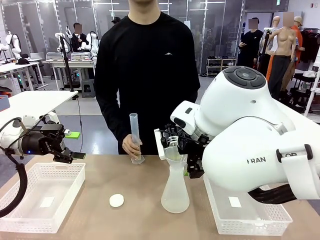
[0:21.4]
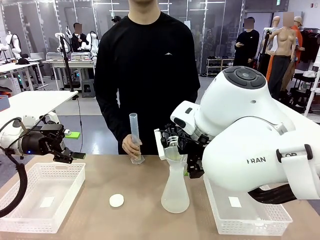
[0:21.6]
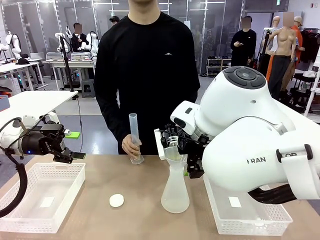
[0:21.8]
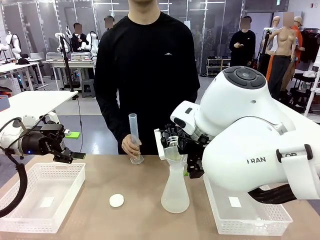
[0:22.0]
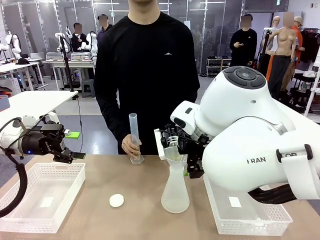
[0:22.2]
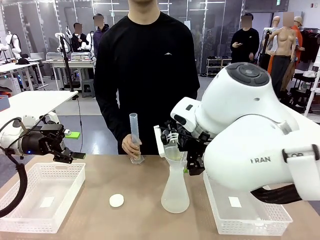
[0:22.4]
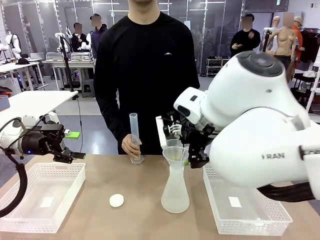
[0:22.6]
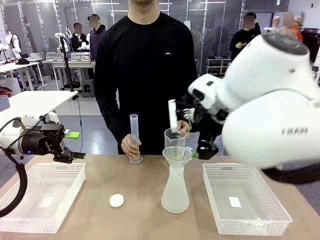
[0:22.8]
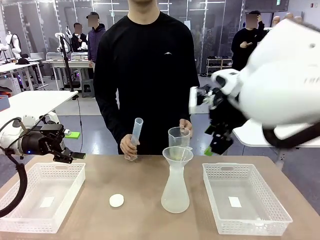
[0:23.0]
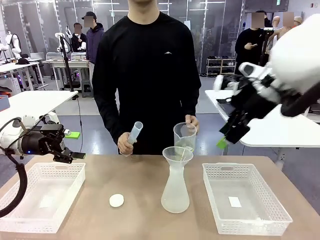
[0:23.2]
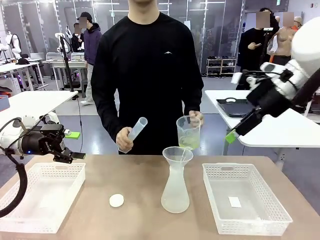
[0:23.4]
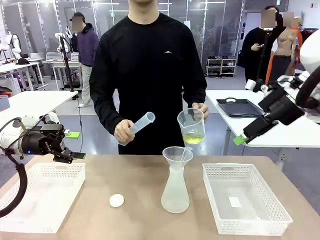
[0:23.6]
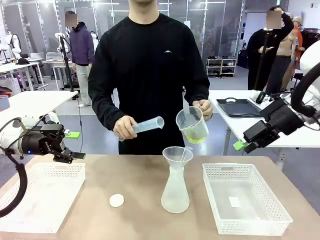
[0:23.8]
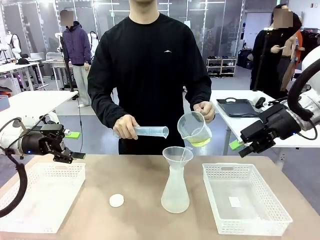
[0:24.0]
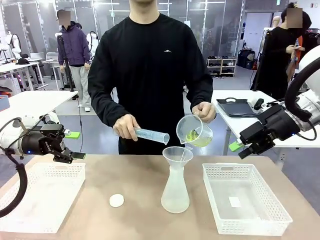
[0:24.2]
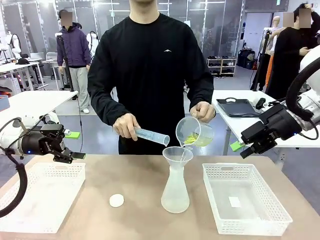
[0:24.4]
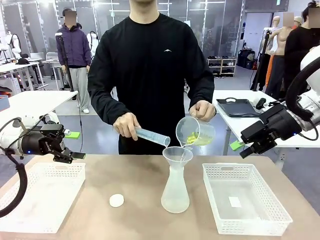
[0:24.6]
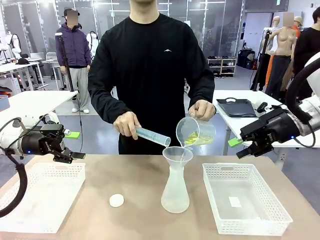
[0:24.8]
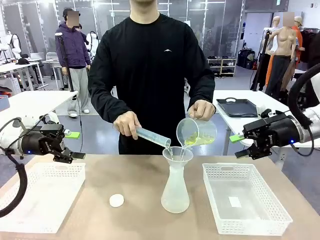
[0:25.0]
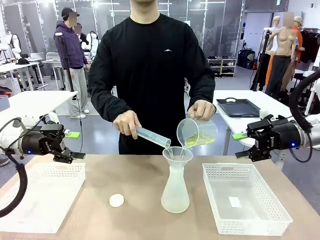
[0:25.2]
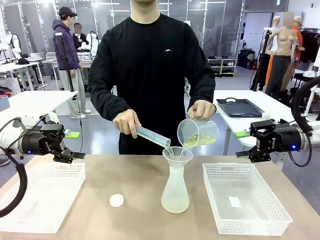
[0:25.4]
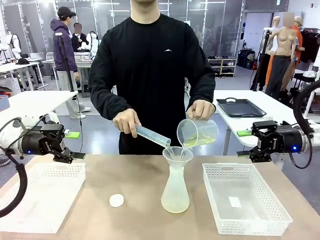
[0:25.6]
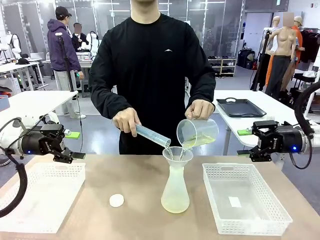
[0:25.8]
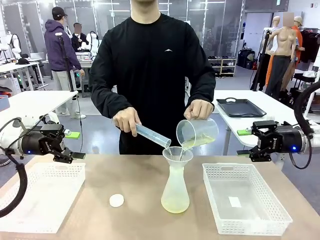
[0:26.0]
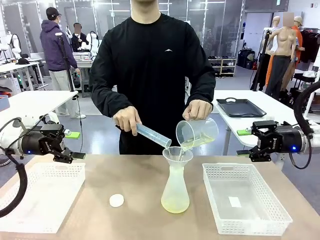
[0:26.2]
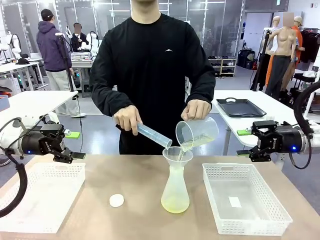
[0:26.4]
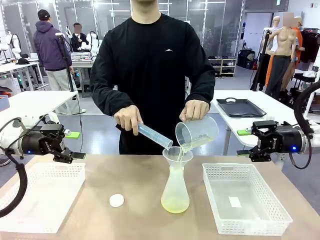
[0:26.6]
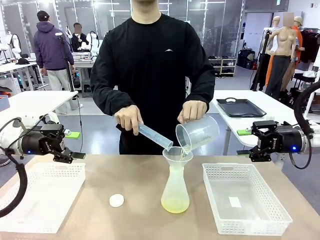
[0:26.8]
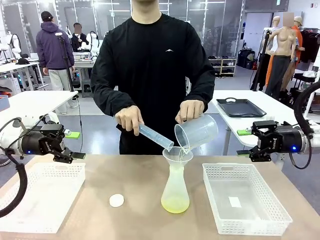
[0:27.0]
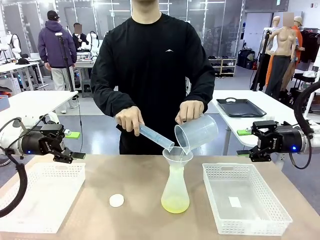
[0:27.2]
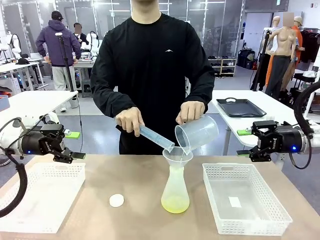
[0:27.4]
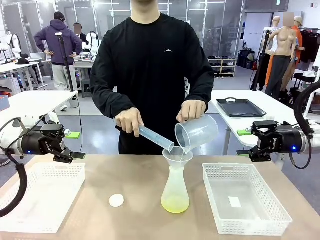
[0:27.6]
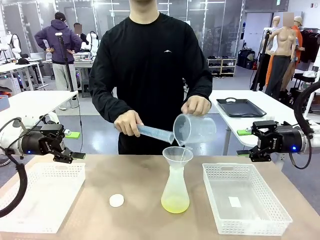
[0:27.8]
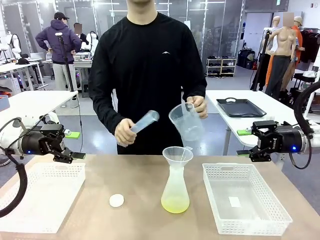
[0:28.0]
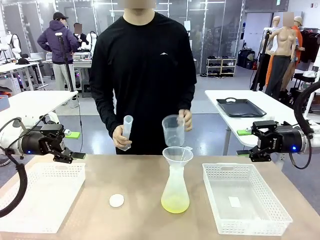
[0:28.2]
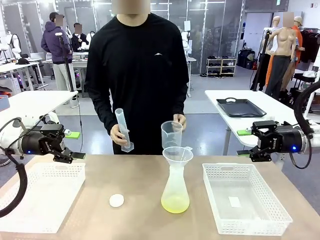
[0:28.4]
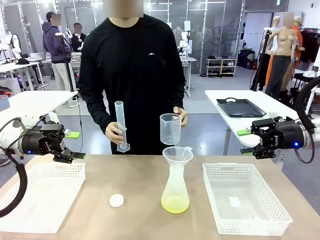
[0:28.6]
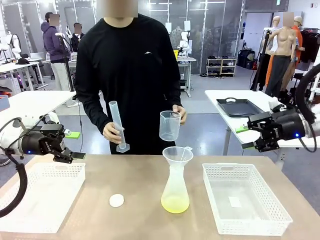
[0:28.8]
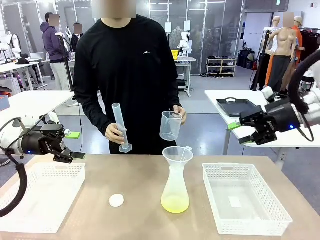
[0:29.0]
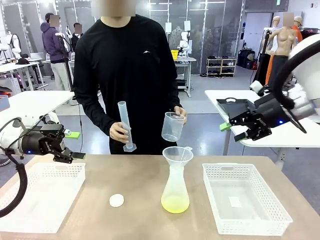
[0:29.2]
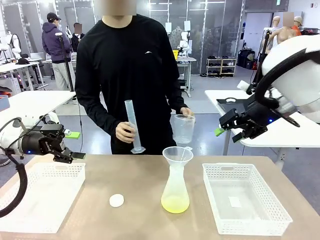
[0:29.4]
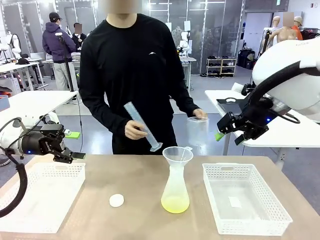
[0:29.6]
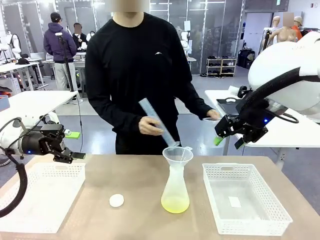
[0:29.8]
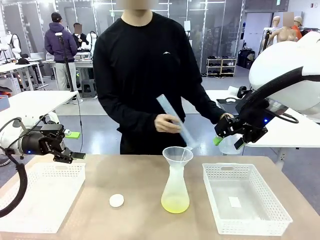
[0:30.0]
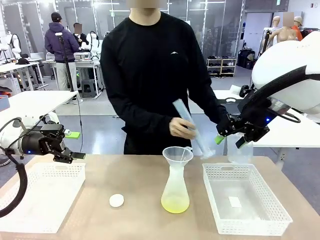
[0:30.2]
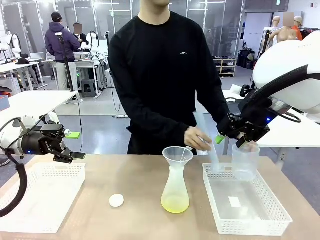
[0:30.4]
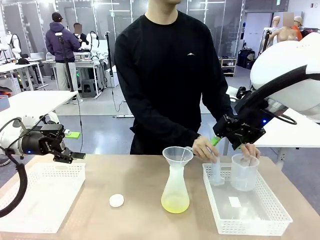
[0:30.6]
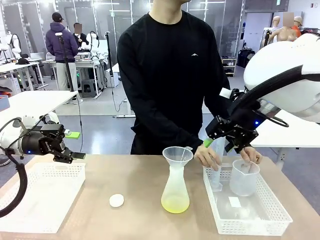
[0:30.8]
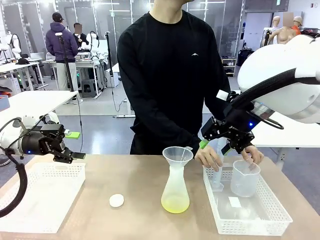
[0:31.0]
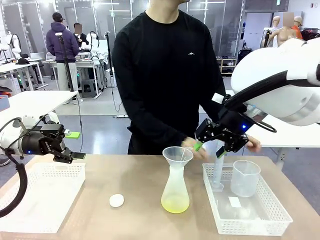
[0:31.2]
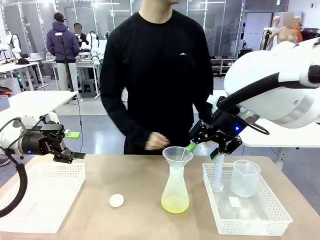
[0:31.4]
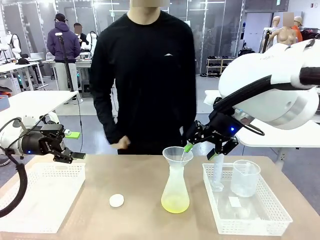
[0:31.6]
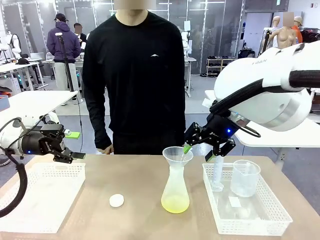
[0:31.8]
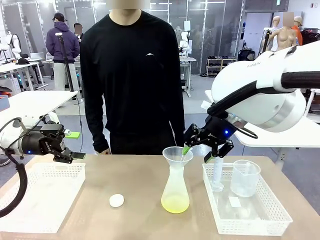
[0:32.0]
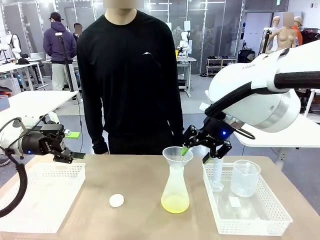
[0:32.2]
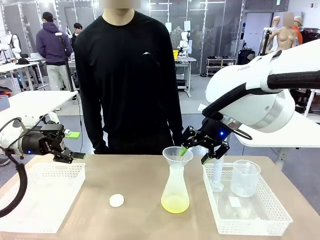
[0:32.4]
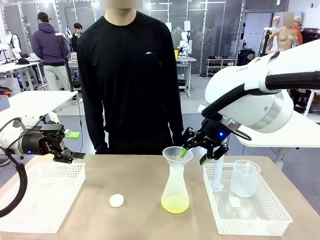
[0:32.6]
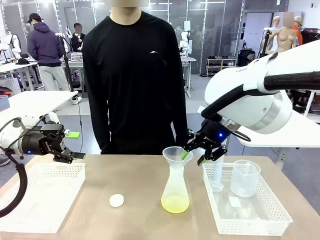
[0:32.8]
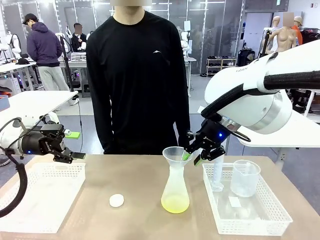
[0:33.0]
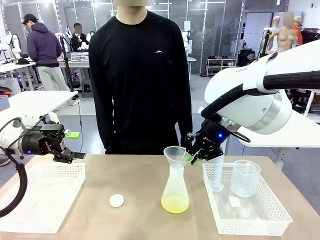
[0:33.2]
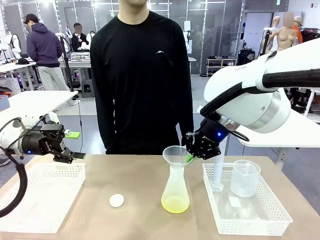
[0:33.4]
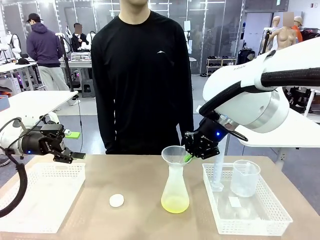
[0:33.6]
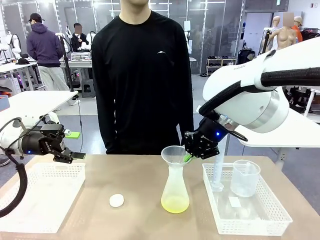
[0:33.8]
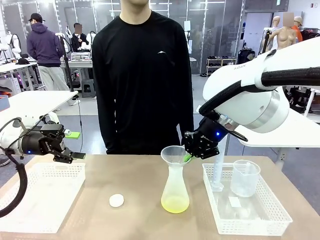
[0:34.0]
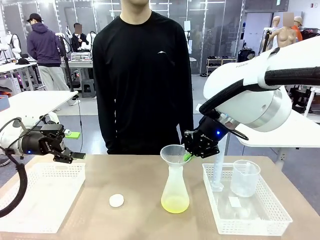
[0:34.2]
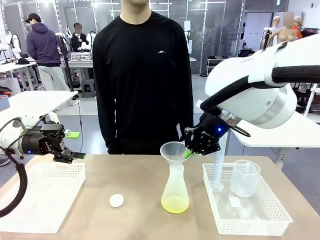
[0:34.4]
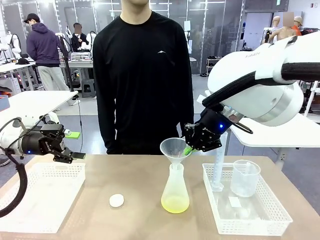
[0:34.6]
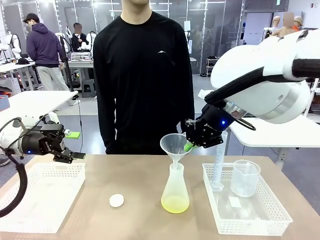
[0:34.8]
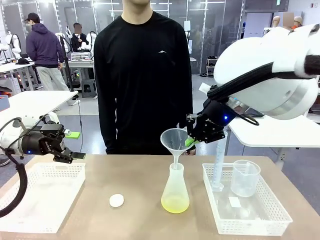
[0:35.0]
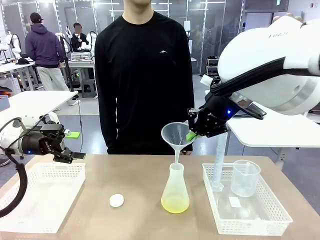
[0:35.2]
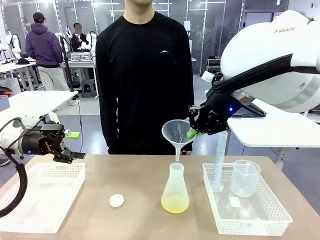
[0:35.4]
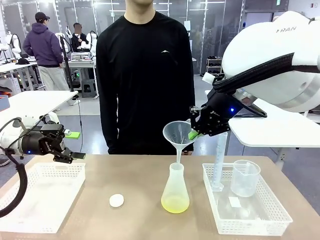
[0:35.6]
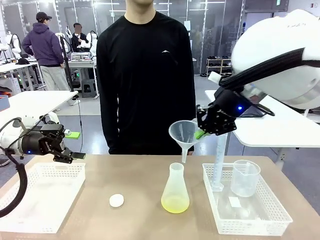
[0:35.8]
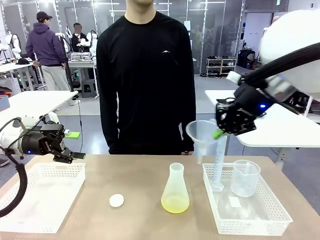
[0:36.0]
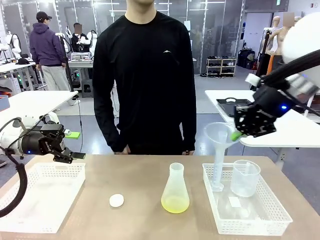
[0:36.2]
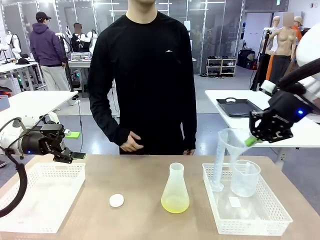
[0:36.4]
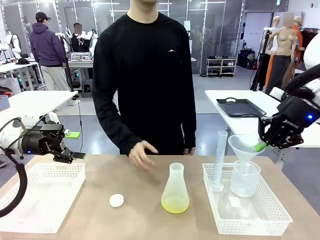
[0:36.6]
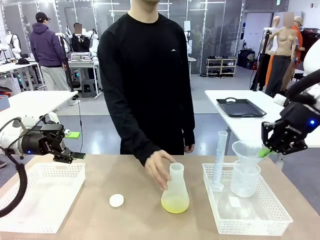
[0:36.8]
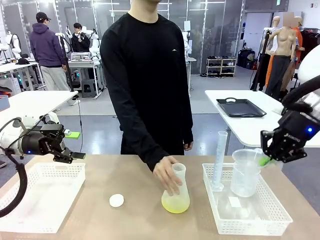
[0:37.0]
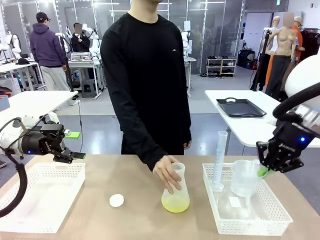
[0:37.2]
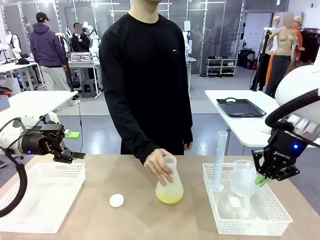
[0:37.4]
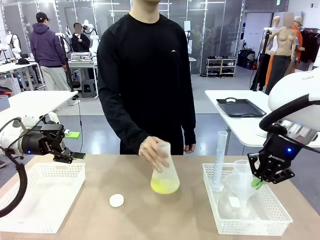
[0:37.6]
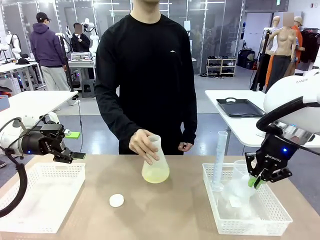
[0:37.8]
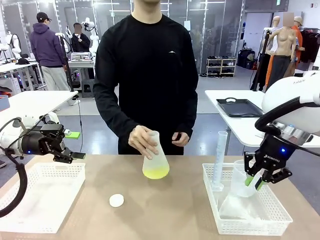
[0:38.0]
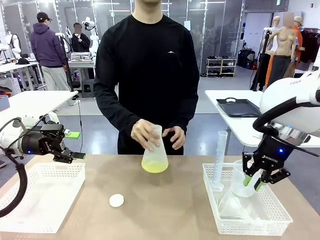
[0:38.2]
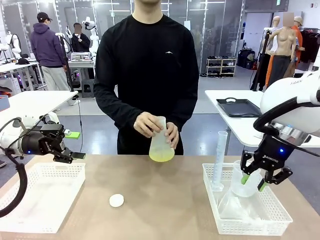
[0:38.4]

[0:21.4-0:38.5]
Task: Prepare the solutions needed for the experiment.
Robot: Once the solution is in the Big flask , pick up the Plastic Funnel and place it back into the right Organizing basket.
Person: Place the beaker and the cylinder into the organizing basket on the left side. Pick up the flask, gently shake it 2–3 times, place it in the middle of the robot table, and close the lid.

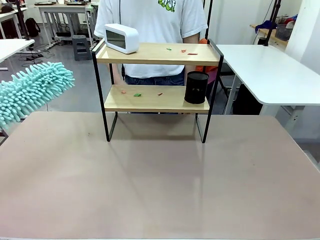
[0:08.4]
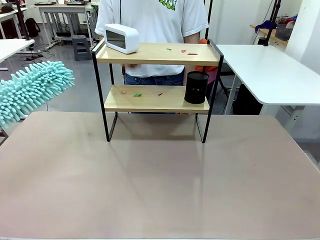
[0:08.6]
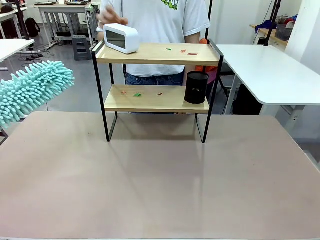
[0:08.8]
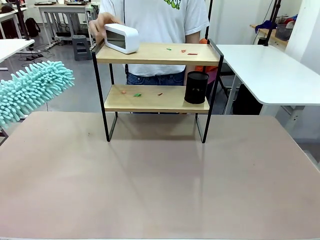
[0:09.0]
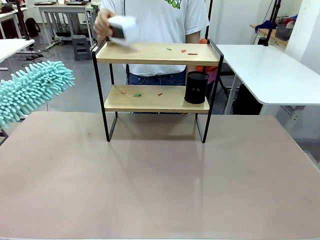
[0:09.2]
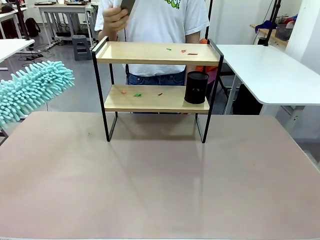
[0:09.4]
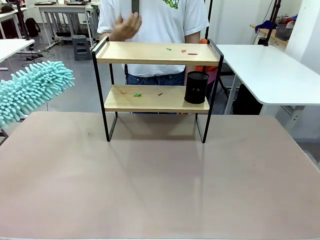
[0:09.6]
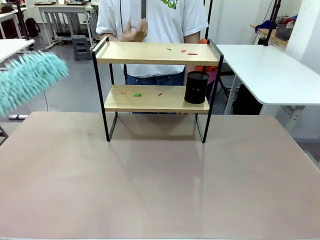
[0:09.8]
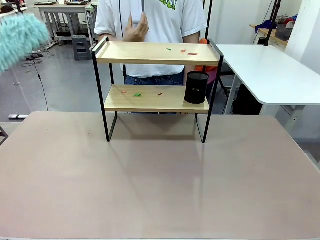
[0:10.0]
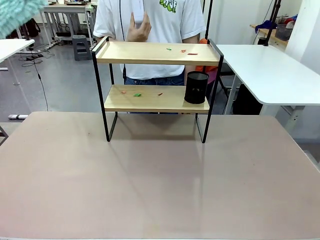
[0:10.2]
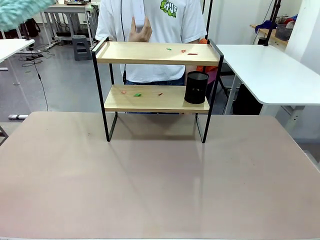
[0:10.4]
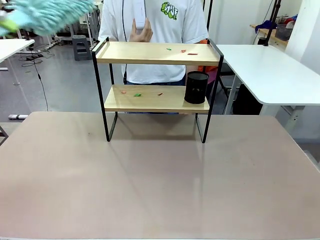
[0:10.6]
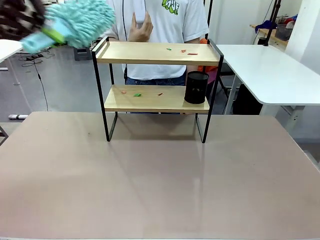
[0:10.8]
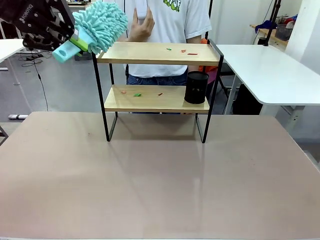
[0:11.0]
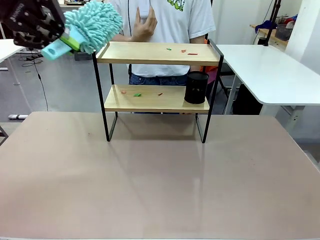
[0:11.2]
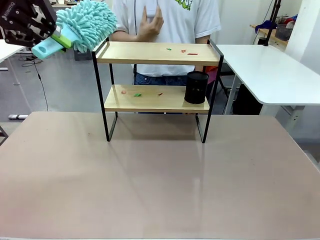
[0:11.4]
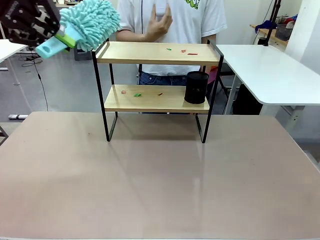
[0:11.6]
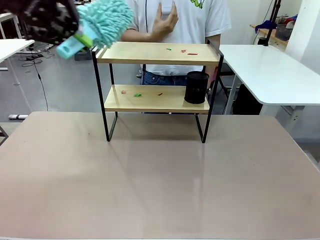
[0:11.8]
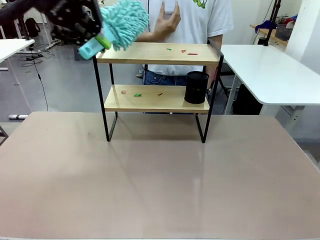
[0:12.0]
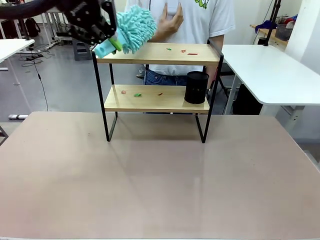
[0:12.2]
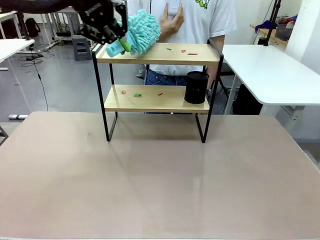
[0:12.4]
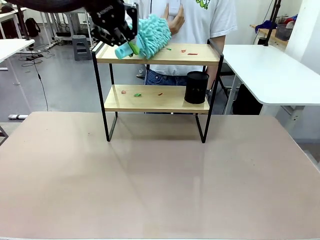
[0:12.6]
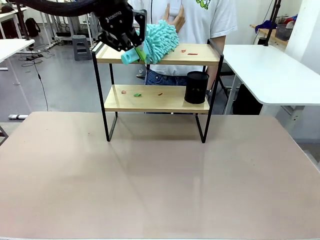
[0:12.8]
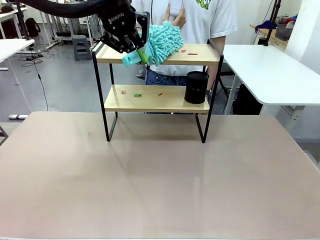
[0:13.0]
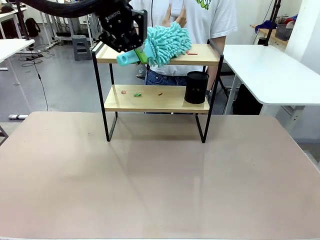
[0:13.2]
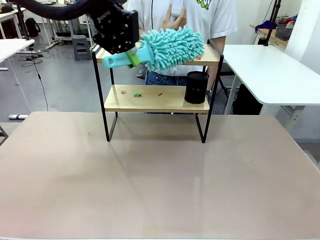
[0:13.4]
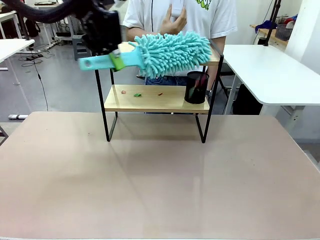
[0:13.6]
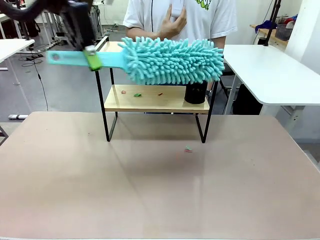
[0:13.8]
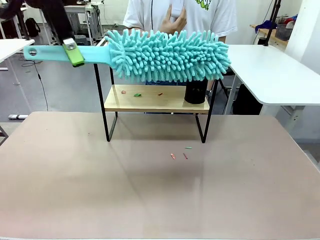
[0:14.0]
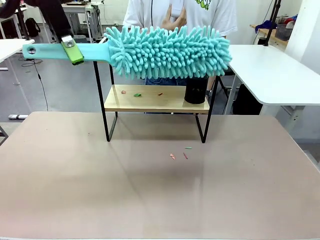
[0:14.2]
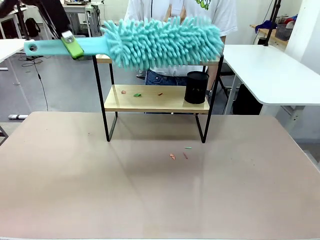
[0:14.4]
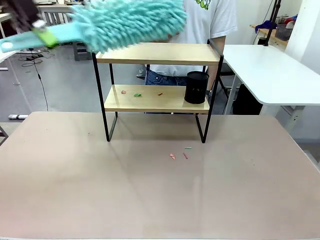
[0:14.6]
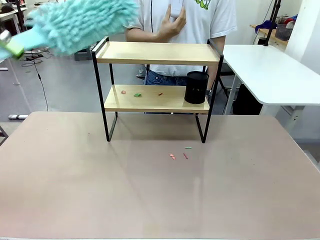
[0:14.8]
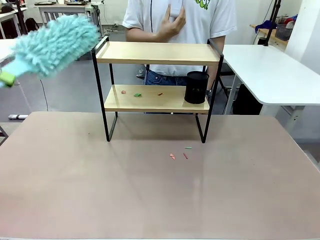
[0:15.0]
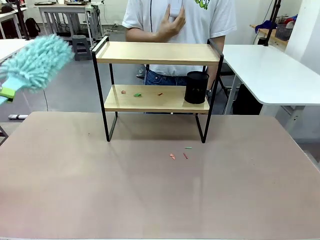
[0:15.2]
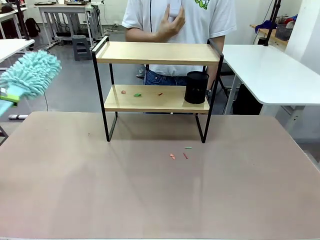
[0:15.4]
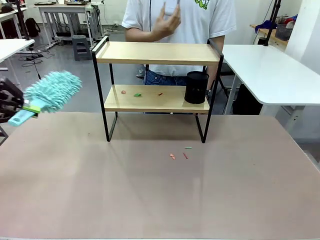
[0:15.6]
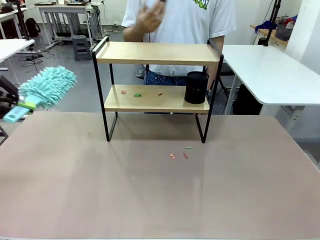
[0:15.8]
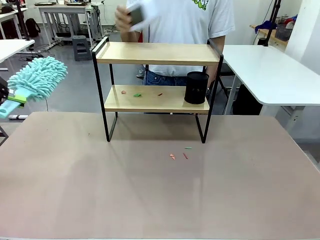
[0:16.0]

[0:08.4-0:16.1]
Task: Clean the shelf.
Robot: Clean the specific tier of the Shelf with the Duster once objects are removed.
Person: Lift the objects on a randomly selected tier of the Shelf. Once the robot finishes cleaning, lift the objects on the remaining tiers of the Shelf.
